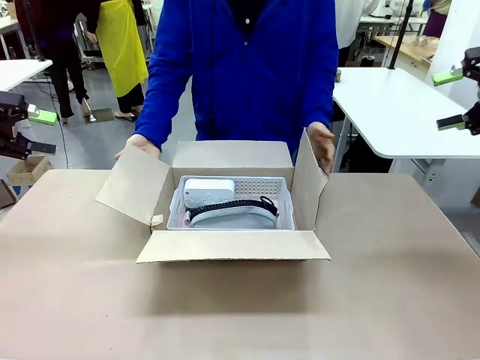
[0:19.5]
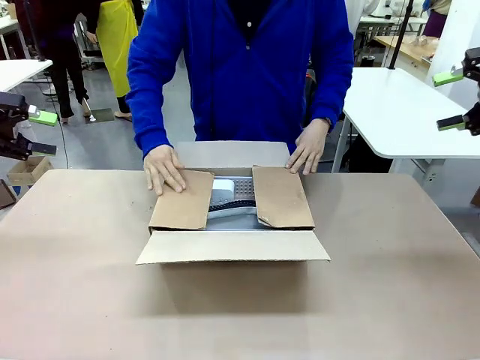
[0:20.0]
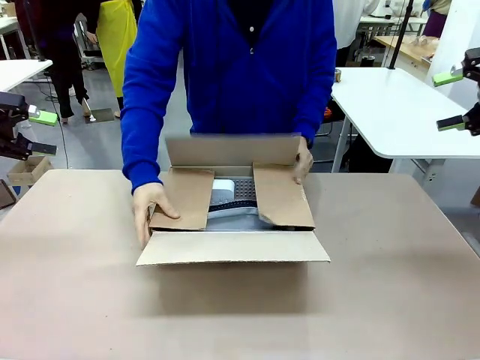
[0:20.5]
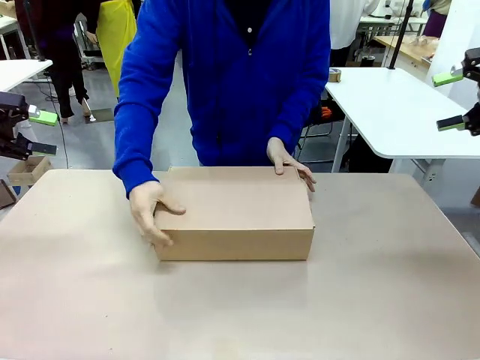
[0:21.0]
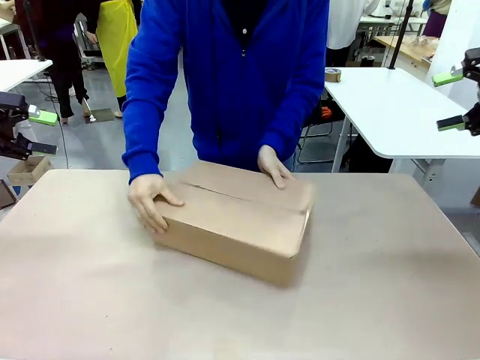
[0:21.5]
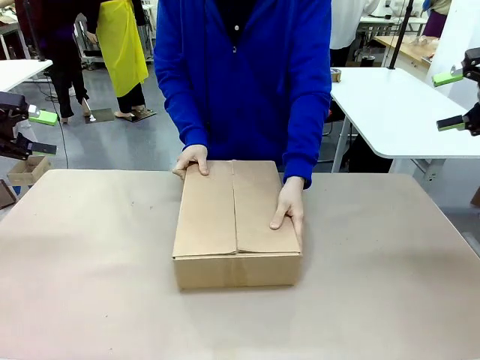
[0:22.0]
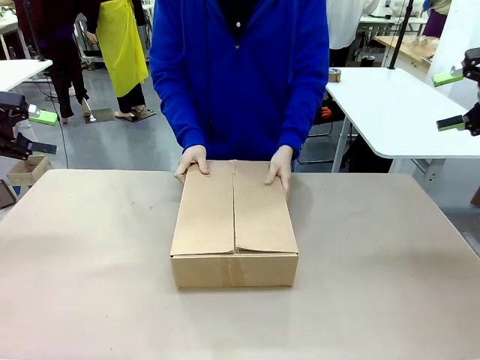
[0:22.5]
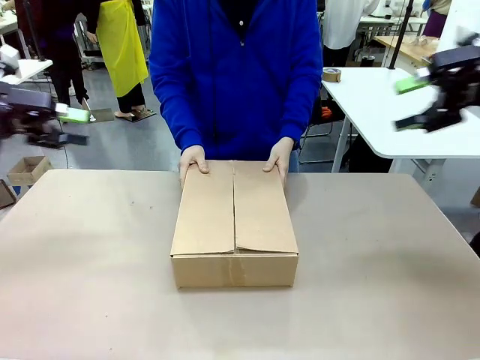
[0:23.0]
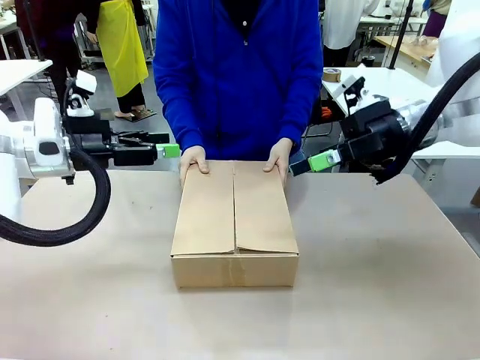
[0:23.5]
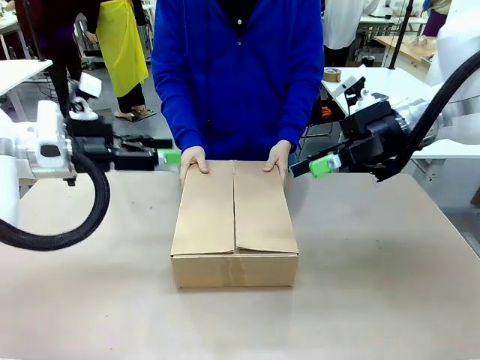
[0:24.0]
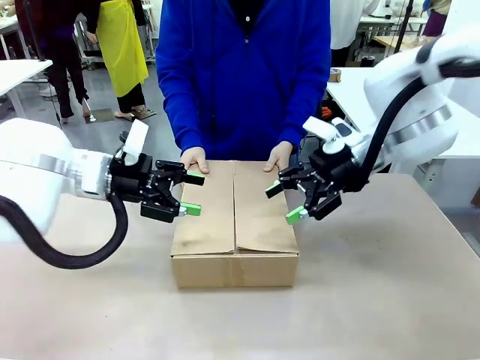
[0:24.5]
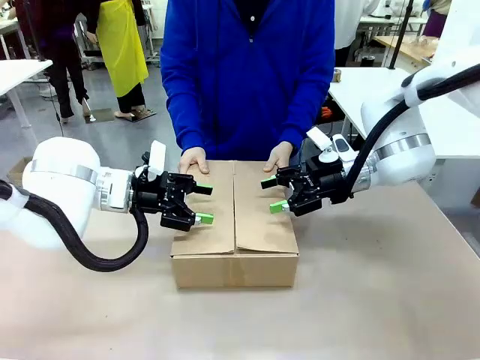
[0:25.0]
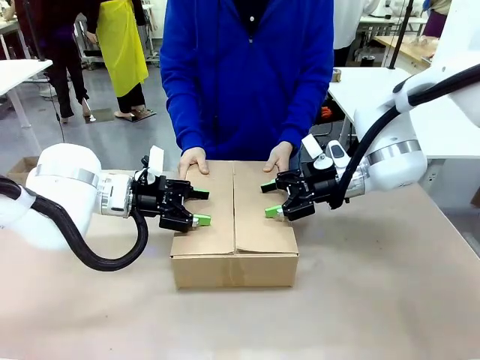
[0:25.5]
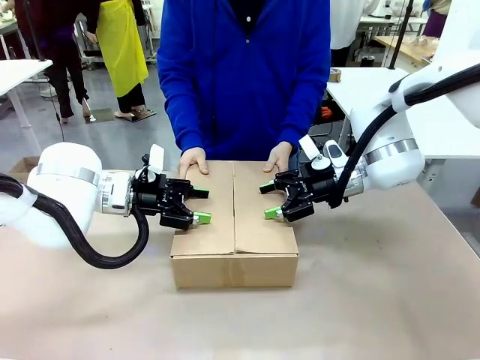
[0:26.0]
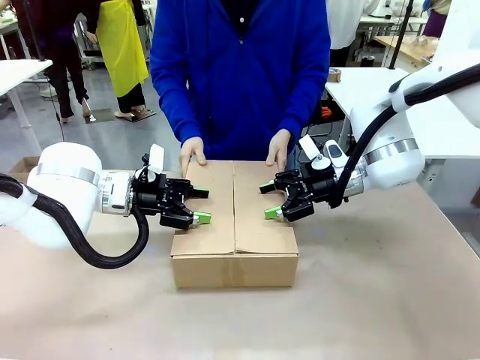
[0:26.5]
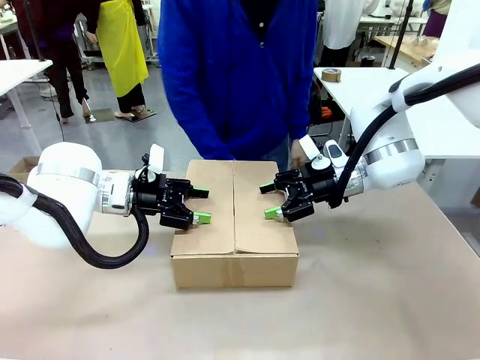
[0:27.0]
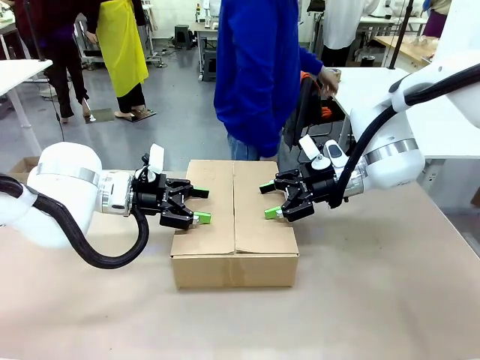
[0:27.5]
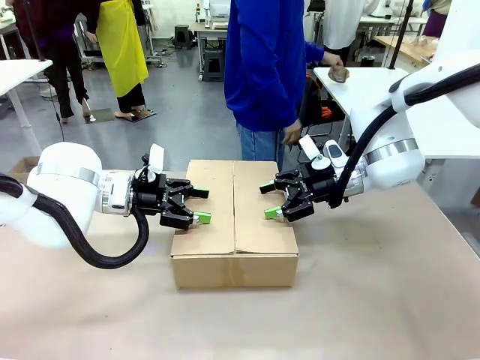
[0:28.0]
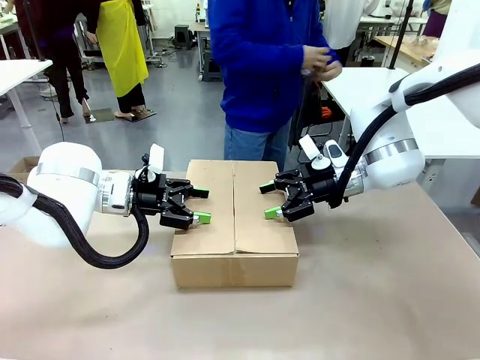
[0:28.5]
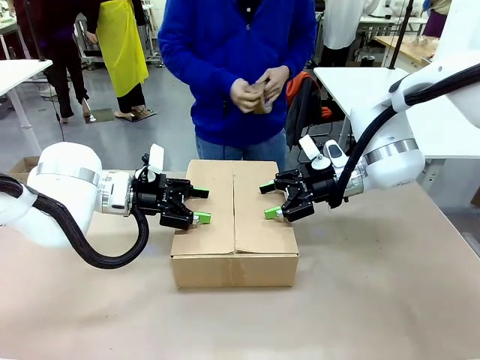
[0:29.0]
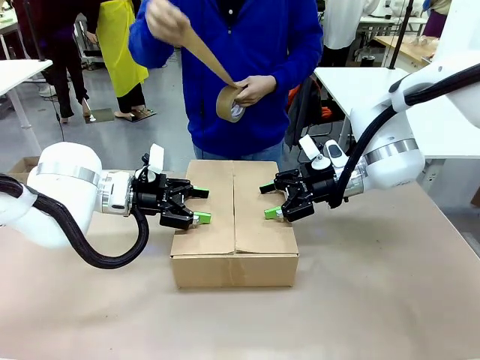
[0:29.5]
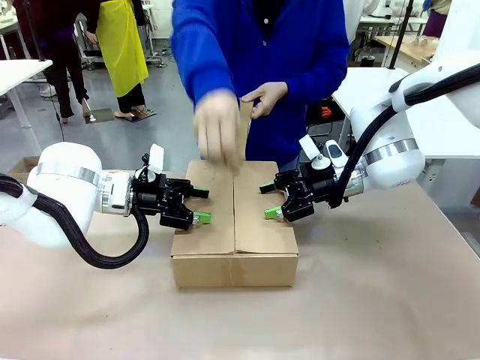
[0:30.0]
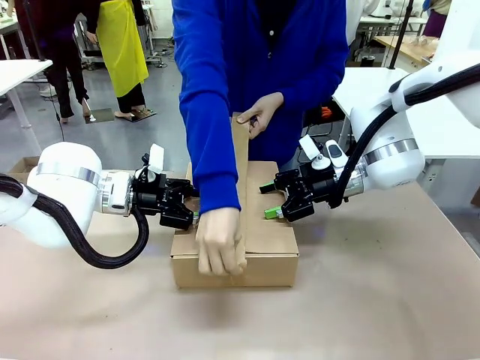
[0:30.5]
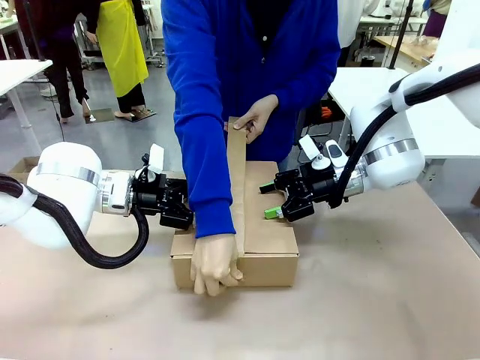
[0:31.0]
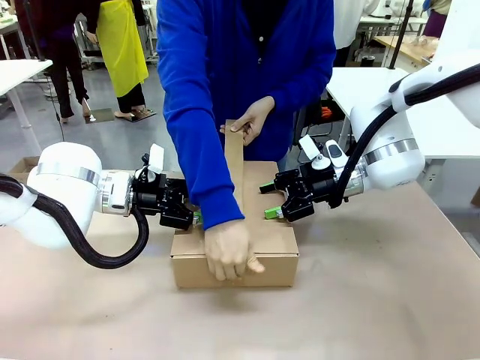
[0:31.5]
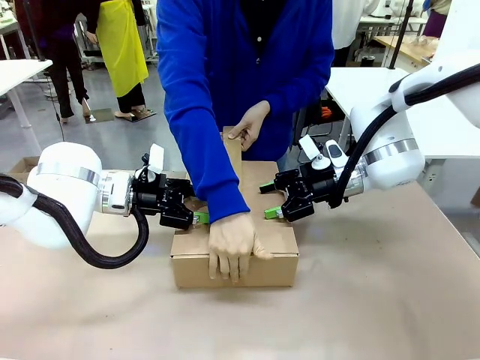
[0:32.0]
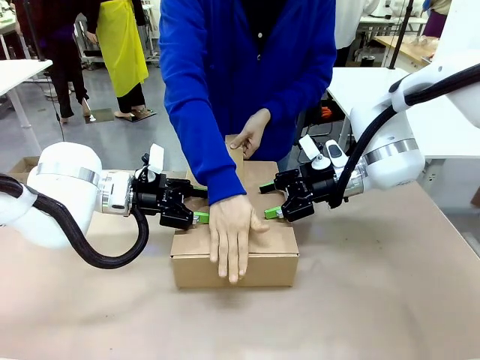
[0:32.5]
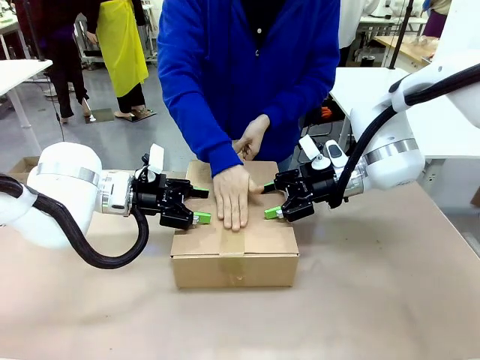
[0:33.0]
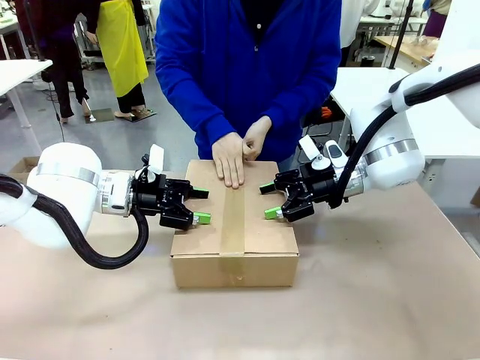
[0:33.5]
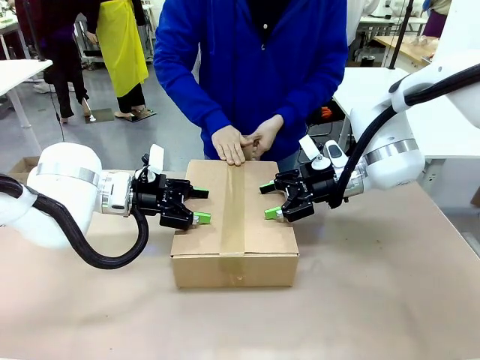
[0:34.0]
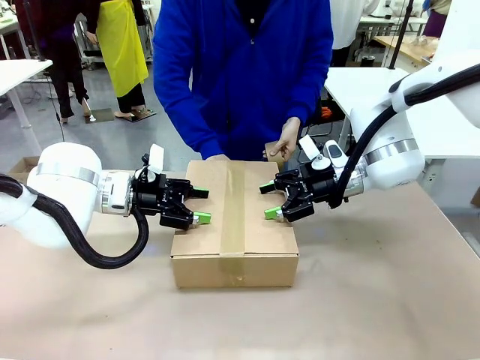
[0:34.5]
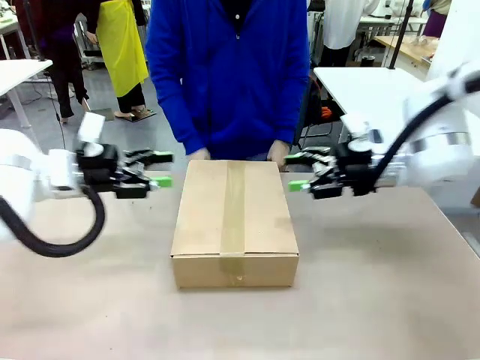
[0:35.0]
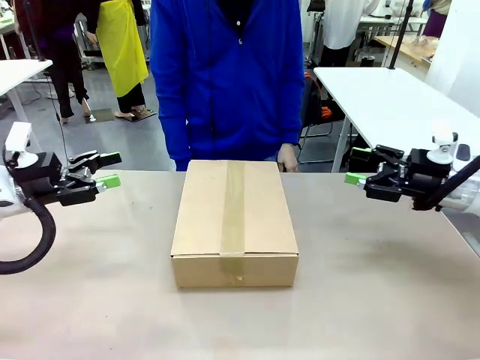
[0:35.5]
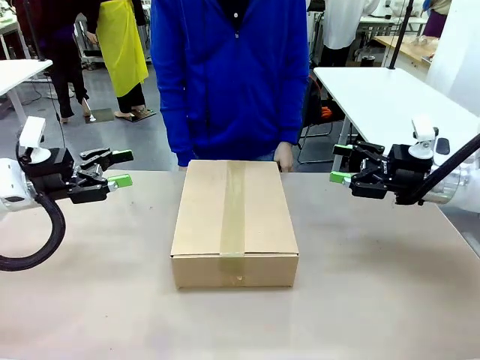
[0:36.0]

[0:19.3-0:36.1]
Task: Pack the gift set into the box.
Robot: Press and hold the closed box until the human finishes sealing it.
Person: The human closes the box and rotates the box by 90 degrees. The human picks up the paper tape from the human table and packs the box.

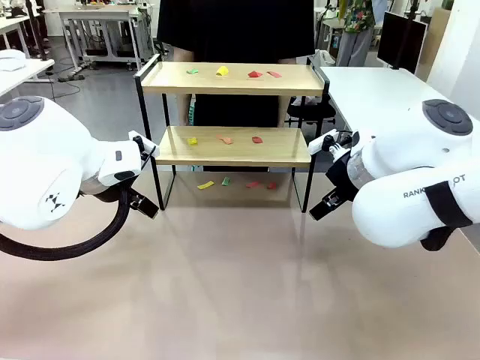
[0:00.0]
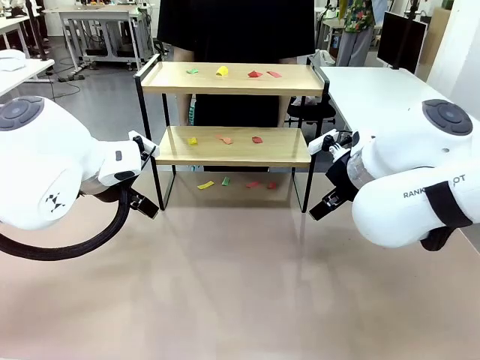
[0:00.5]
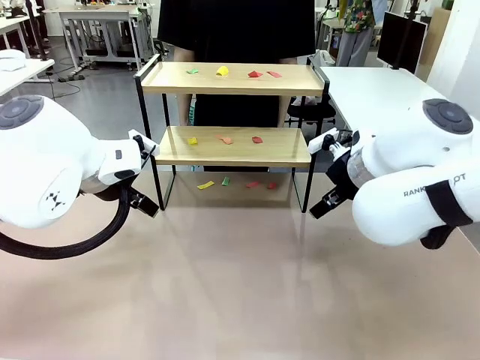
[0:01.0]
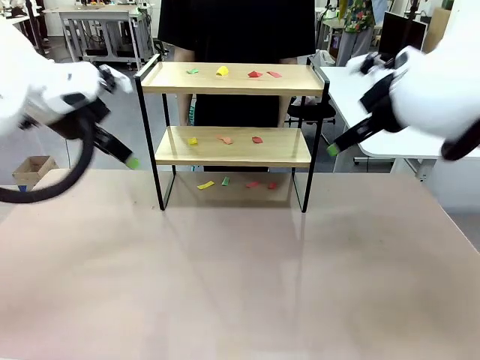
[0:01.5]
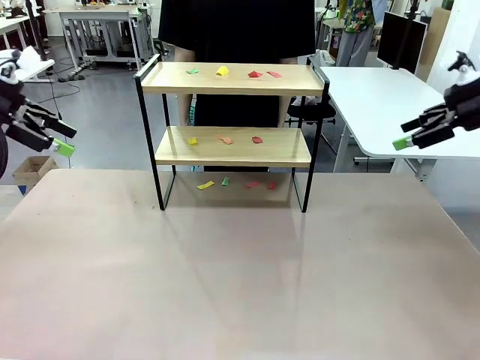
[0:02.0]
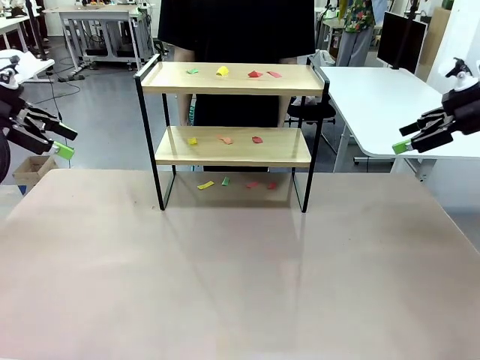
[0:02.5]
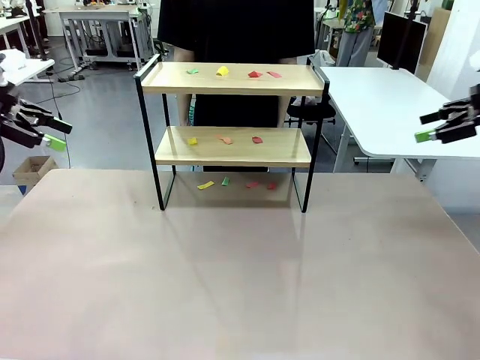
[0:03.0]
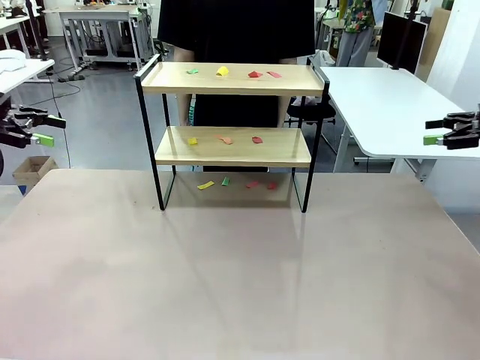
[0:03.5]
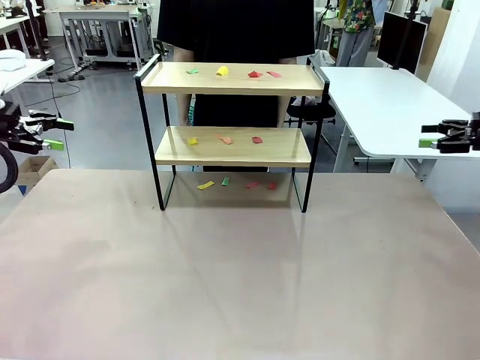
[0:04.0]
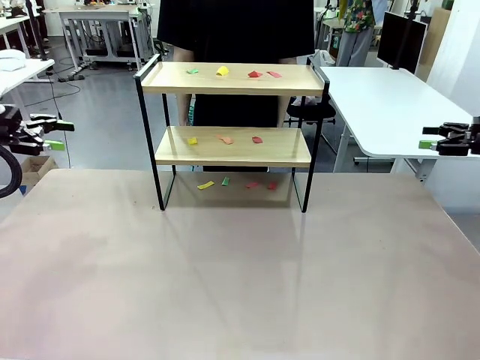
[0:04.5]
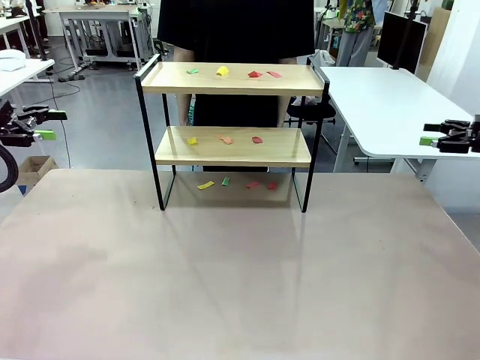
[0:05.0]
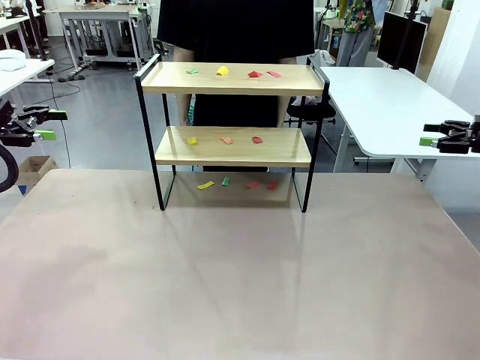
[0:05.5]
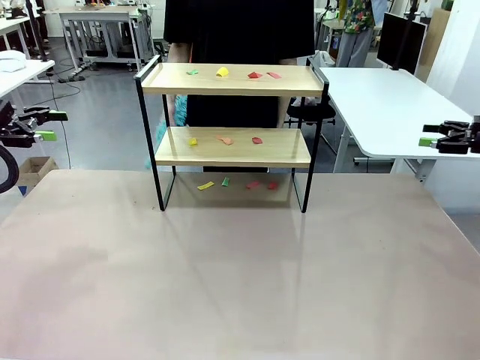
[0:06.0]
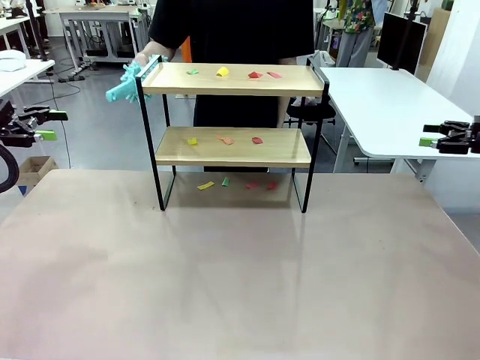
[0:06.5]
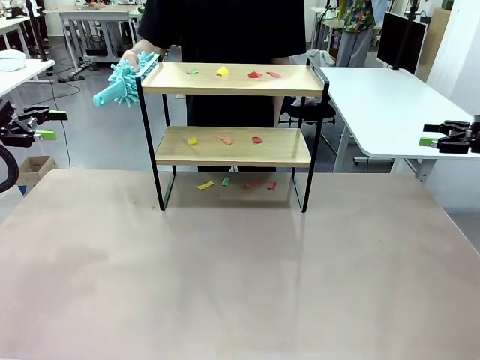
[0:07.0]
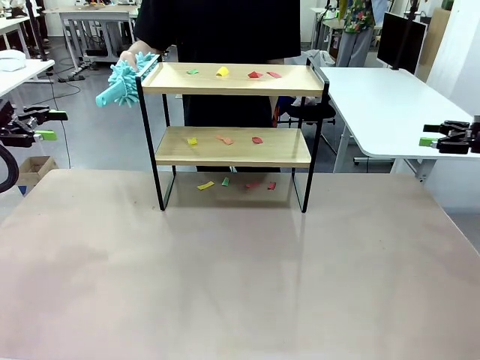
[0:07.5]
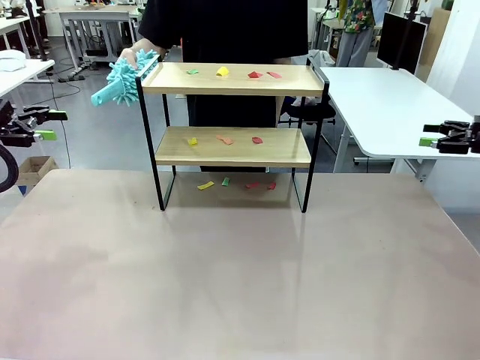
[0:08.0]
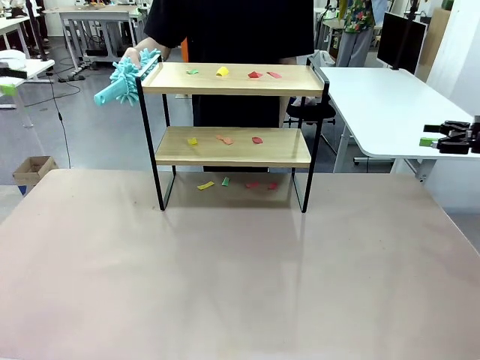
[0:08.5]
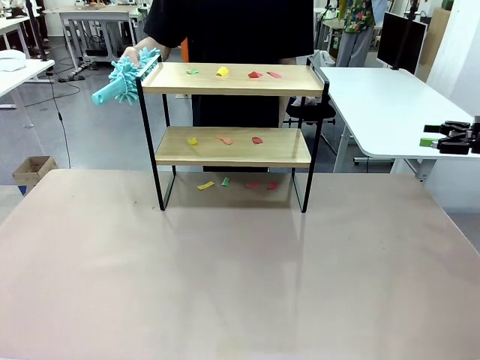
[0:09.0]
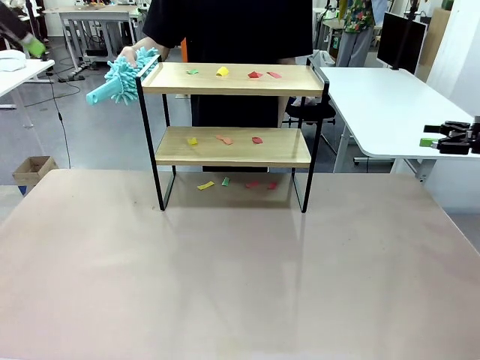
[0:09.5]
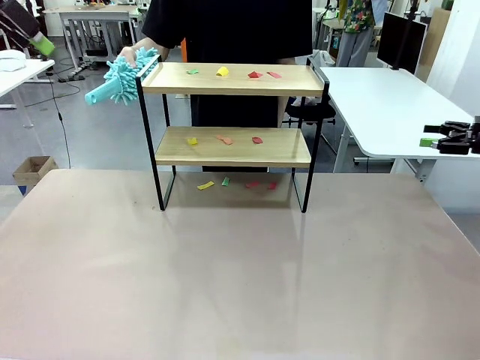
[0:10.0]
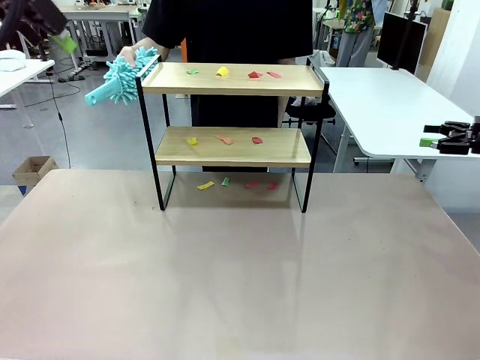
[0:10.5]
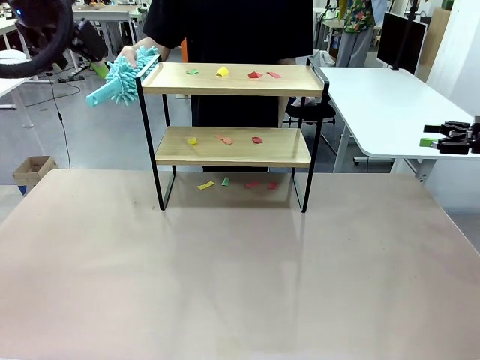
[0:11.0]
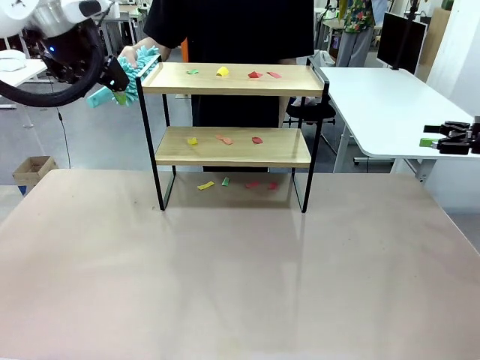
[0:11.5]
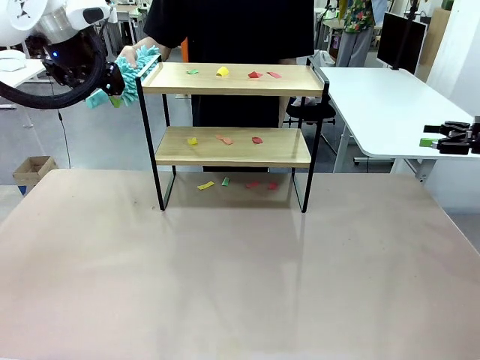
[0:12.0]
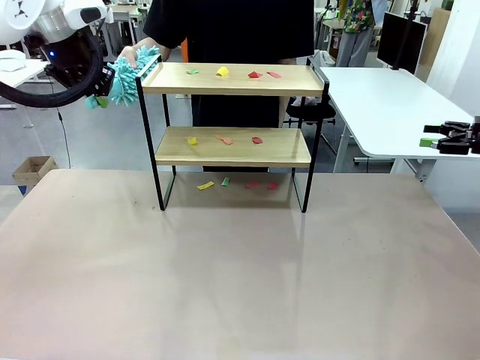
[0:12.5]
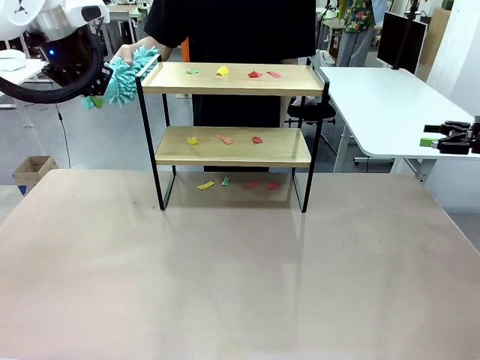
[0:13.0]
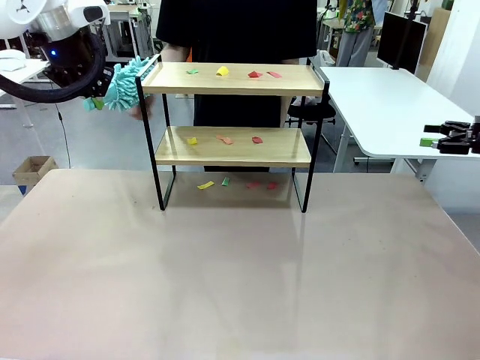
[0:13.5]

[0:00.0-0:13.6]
Task: Clean the shelf.
Robot: Pick up the Duster handed by the human.
Person: Hand the Duster to the robot.
